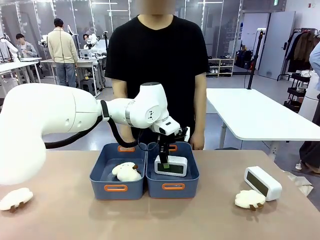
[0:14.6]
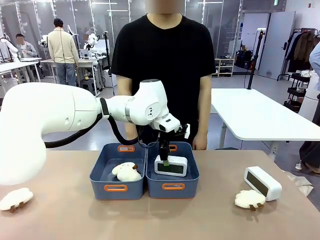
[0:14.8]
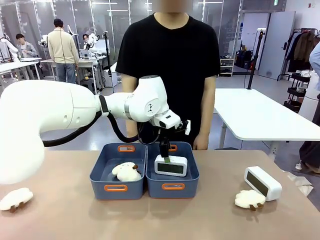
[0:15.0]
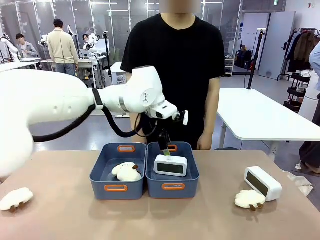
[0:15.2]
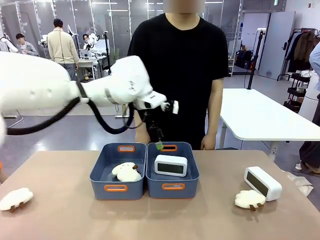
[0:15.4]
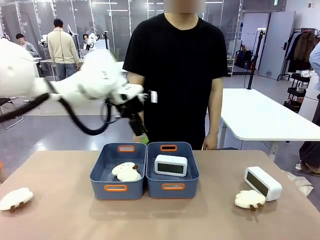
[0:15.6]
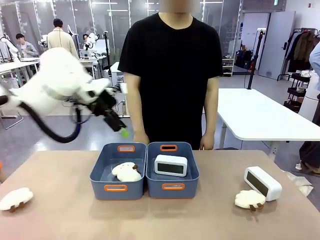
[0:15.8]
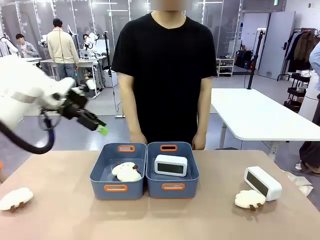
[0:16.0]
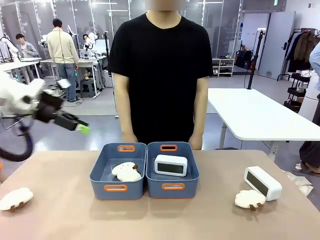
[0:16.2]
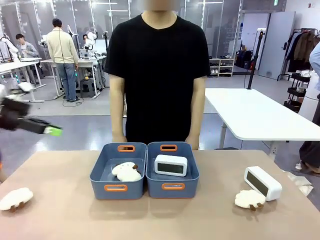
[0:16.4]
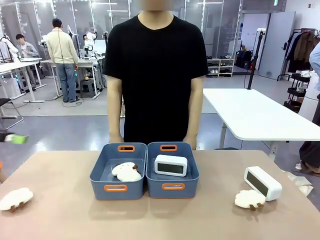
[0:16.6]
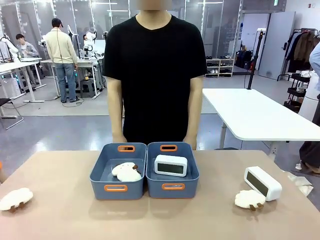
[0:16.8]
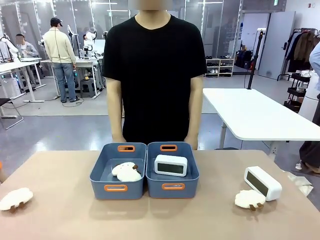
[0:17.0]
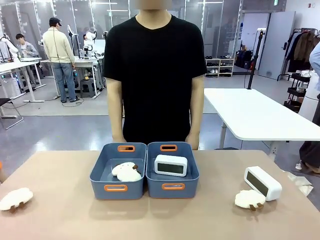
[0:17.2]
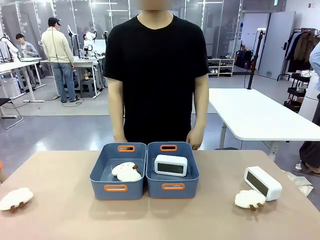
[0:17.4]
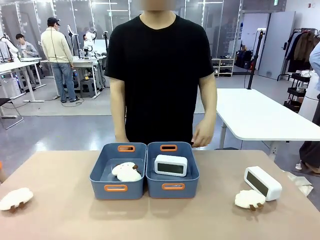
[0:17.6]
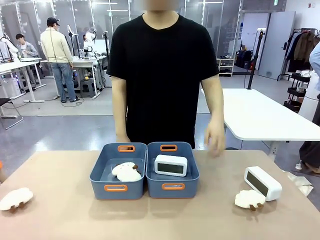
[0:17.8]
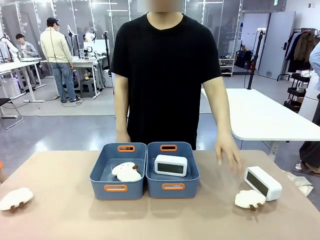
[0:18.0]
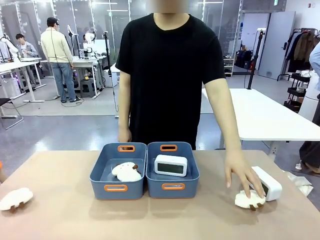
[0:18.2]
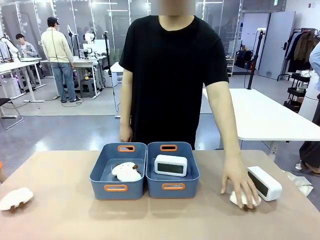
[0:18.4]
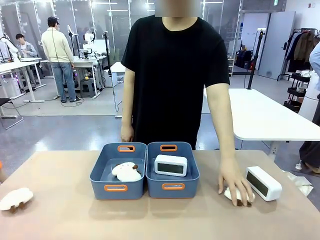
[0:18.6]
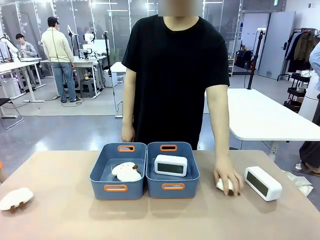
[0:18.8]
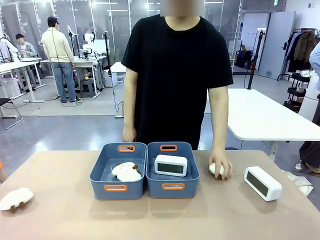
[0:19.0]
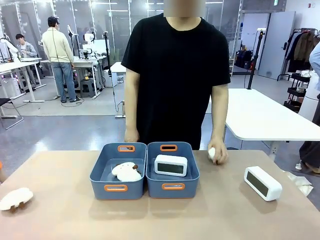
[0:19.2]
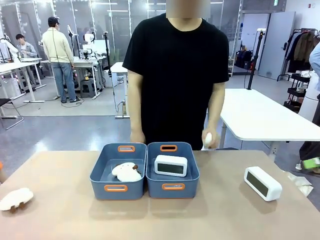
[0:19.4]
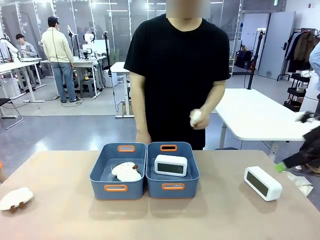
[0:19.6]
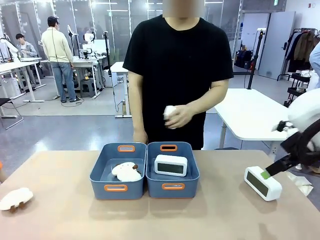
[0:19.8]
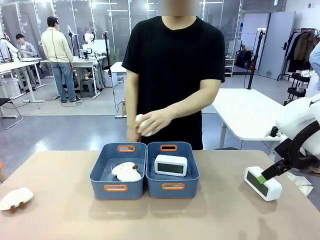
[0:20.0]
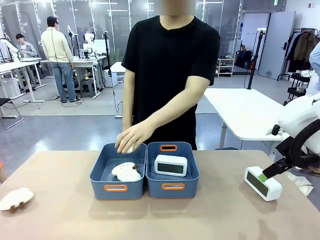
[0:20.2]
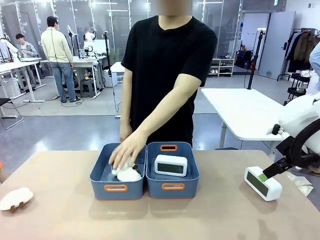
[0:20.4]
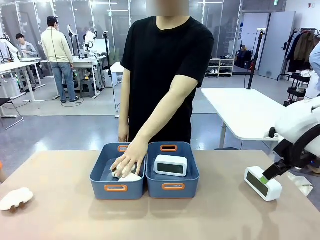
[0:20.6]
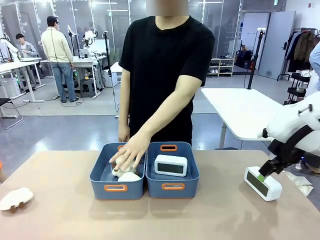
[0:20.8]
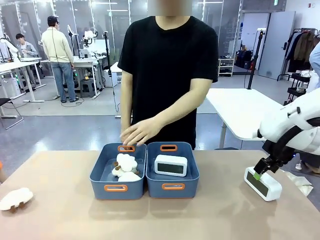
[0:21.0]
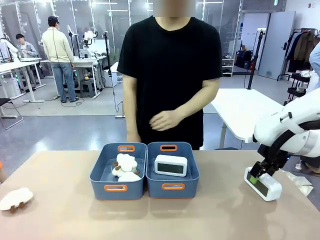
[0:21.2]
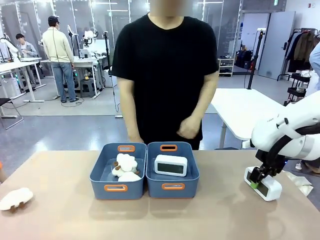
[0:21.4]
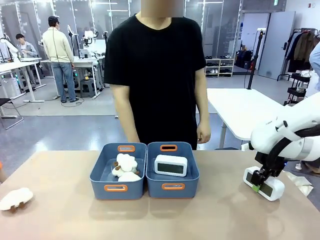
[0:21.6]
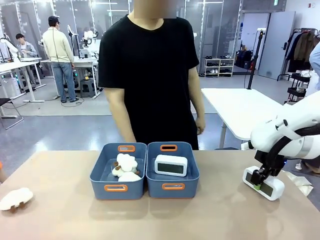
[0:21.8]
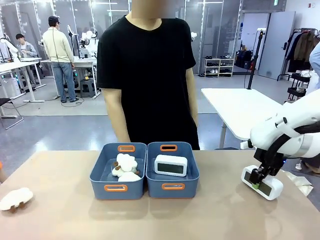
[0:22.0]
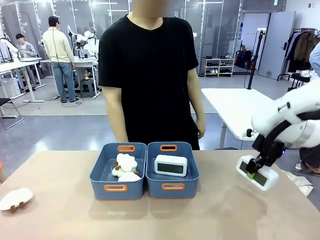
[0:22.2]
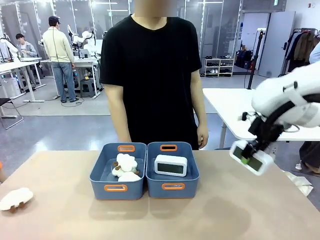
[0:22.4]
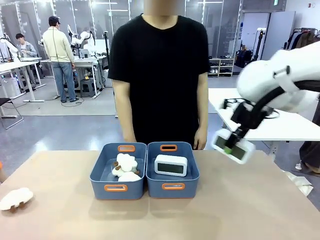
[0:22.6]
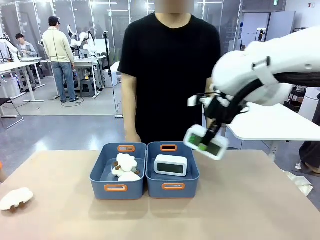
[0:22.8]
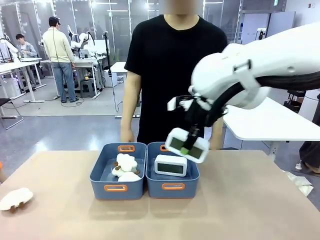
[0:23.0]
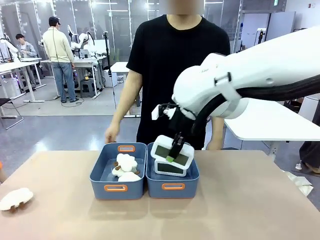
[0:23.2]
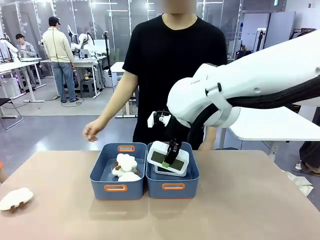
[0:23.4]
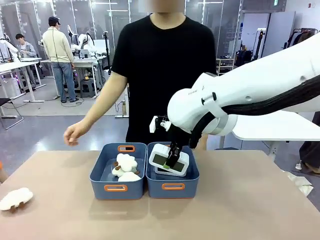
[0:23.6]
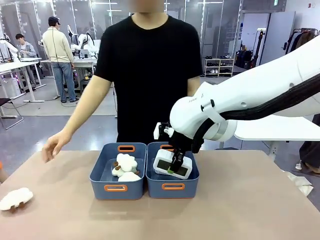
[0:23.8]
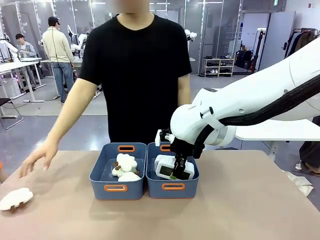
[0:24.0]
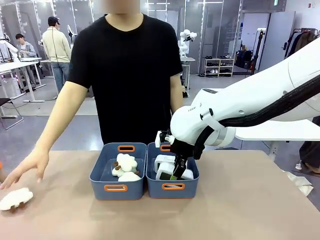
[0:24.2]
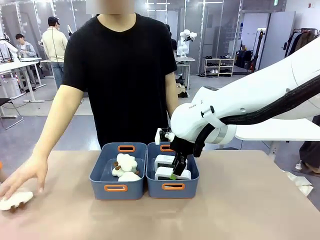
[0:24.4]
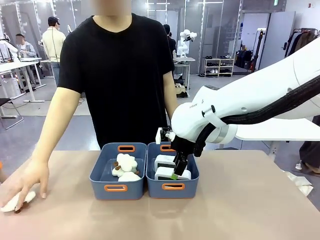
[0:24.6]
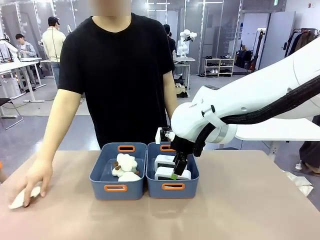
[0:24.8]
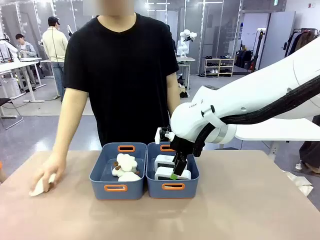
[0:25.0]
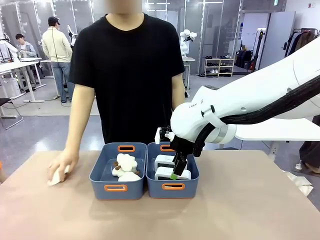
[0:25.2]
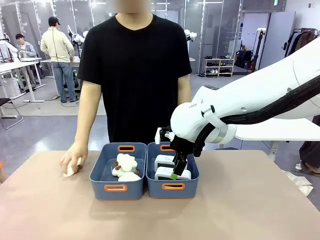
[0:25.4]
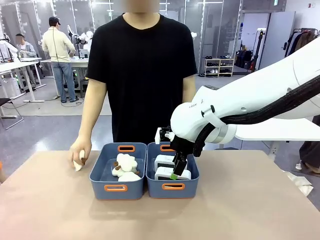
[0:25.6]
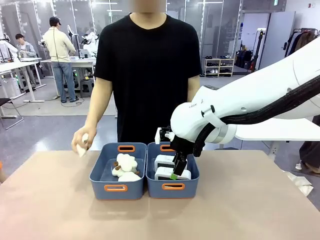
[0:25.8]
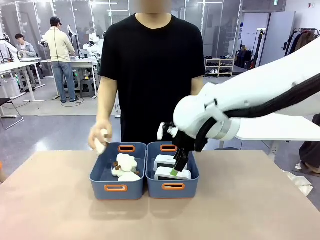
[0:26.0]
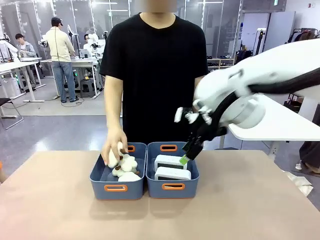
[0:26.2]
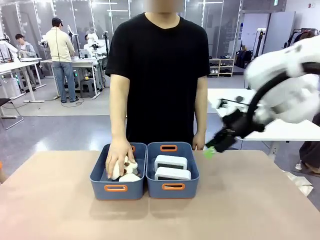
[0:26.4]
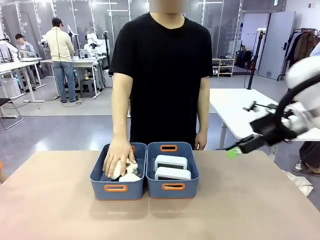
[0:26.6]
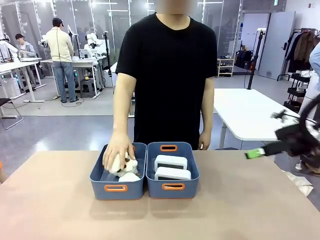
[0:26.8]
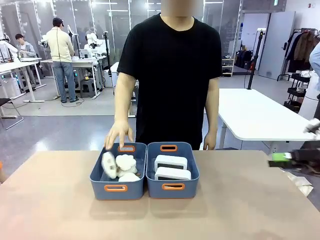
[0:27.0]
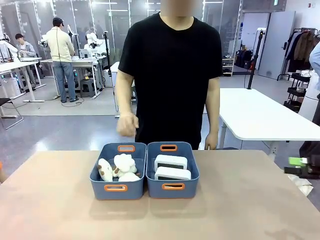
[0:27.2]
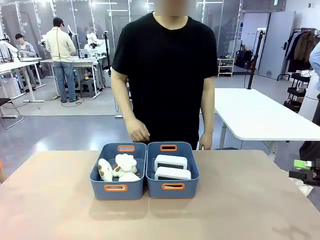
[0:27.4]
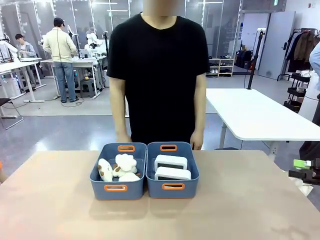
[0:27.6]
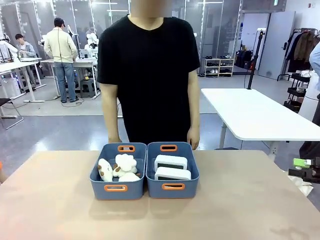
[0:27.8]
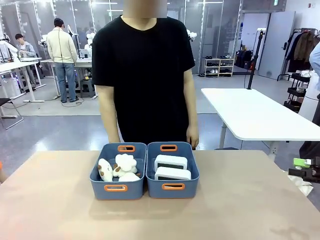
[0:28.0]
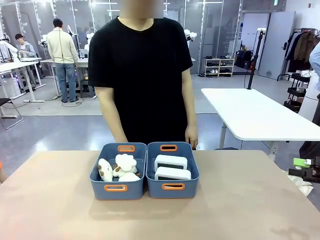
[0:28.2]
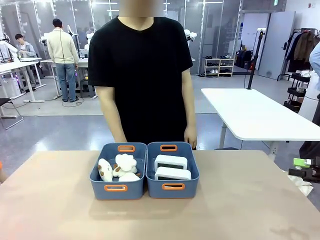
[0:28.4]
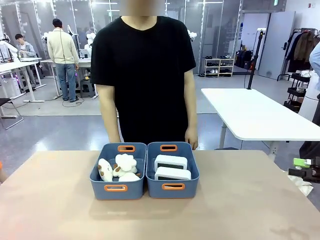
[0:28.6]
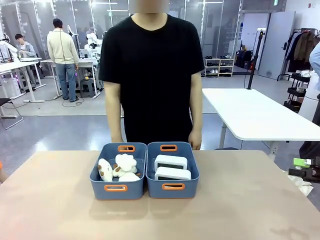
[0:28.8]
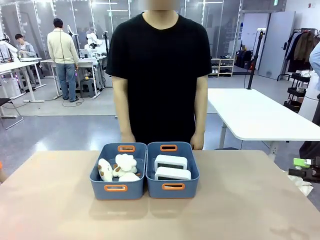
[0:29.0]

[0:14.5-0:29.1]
Task: Sort the digital clocks into the basket.
Robot: Pick up the Digital clock from the table and place it into the empty Plastic storage basket.
Person: Pick up a plush toy from the table and place it in the plastic storage basket containing the plush toy.
